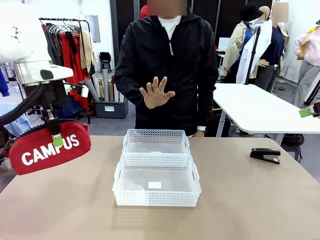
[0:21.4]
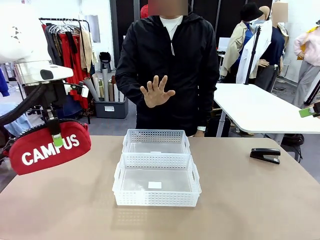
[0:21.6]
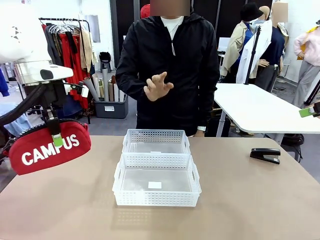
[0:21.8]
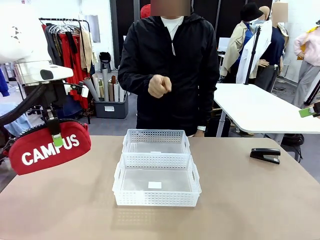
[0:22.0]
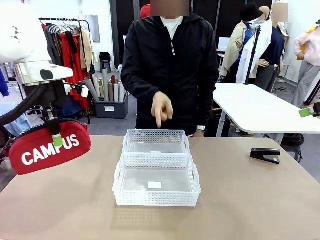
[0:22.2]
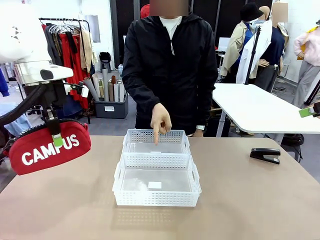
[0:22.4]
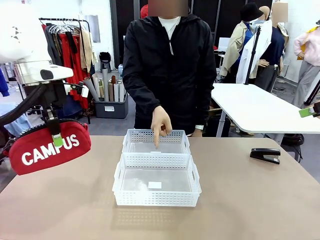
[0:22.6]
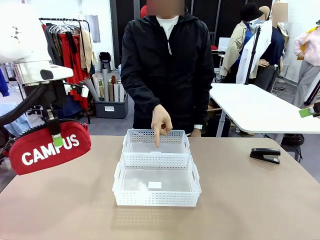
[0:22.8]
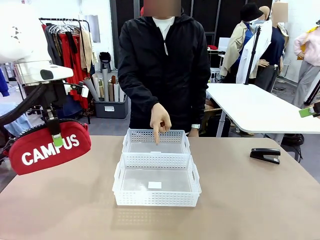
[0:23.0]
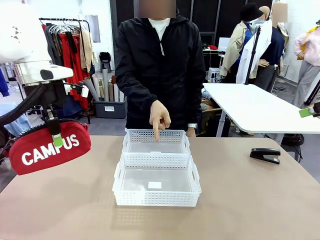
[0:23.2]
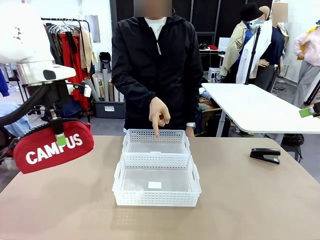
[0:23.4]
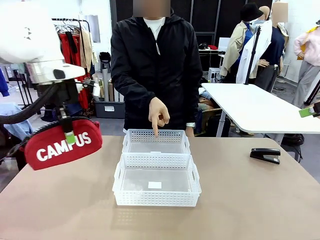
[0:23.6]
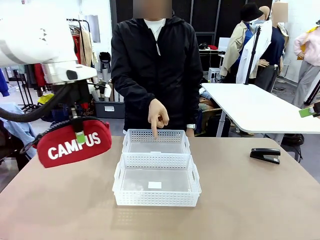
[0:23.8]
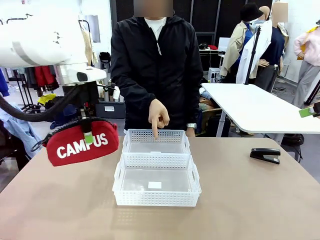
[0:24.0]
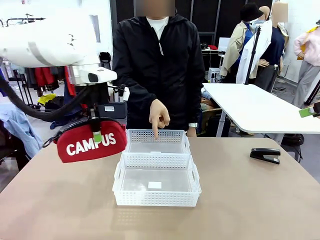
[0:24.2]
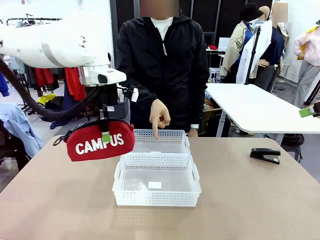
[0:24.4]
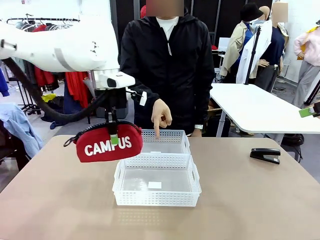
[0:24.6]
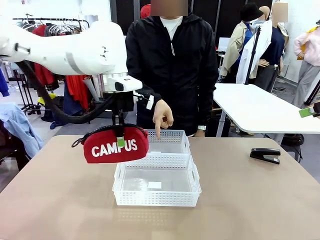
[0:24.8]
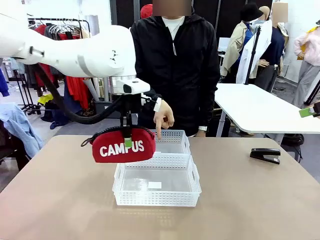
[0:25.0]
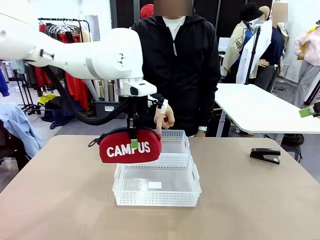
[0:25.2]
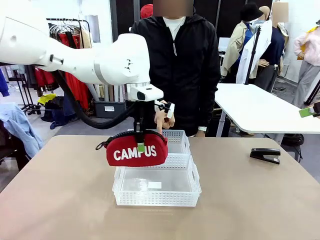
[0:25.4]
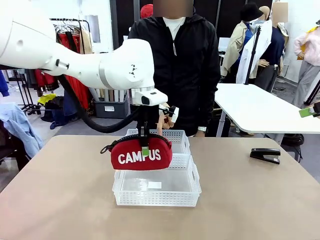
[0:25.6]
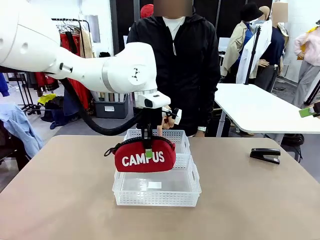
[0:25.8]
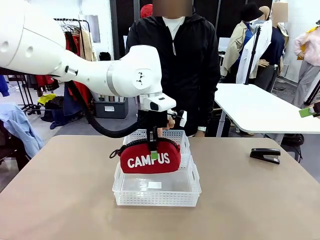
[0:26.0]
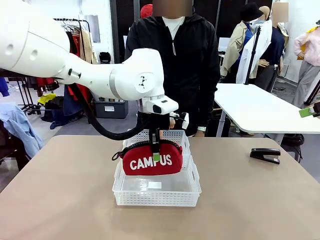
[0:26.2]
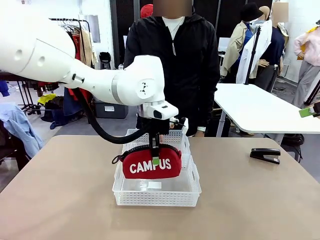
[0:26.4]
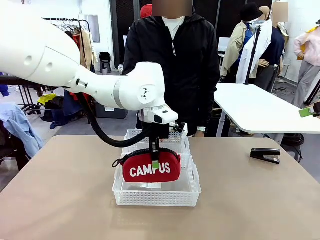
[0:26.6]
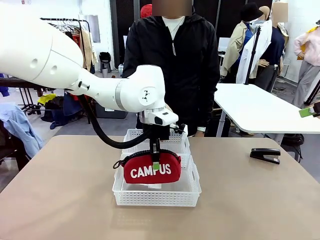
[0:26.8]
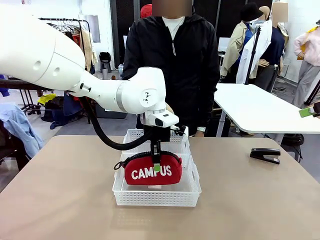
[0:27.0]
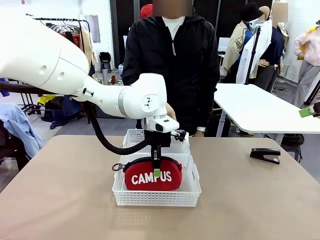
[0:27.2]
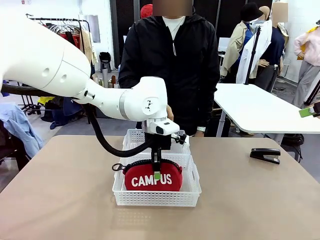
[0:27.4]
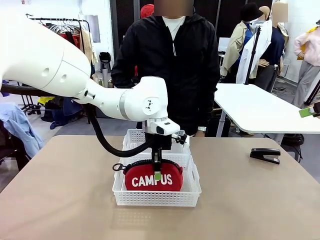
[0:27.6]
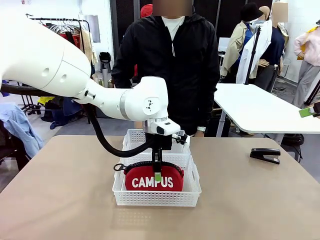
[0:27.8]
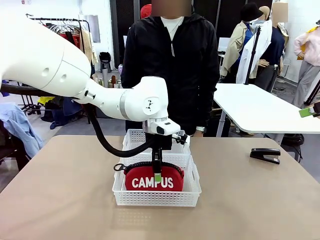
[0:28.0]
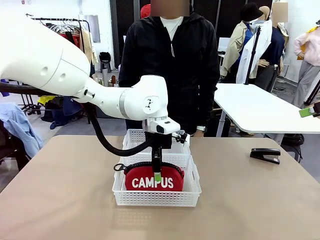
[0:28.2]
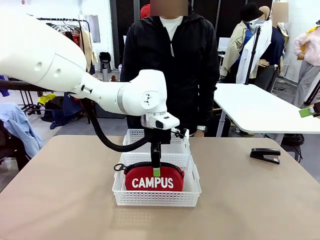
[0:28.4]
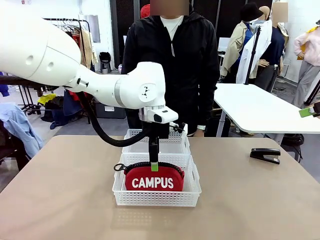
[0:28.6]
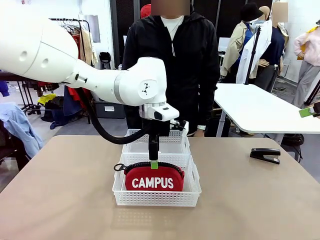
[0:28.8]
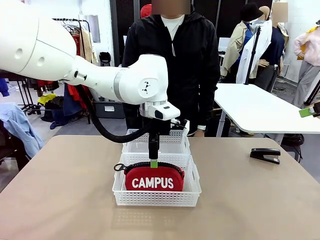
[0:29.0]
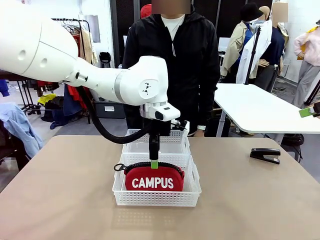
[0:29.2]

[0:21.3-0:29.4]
Task: Distribute items into two baskets.
Robot: Place the picked Pencil pouch into the Organizing basket as instructed by the person.
Person: Instructs the robot to place the pencil case into the opposite basket.

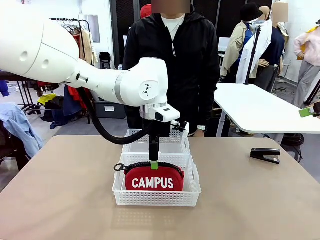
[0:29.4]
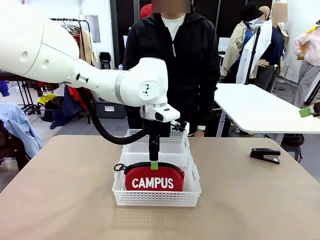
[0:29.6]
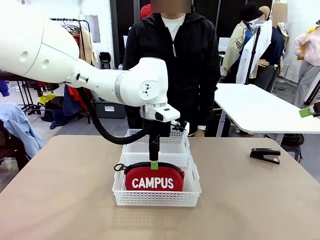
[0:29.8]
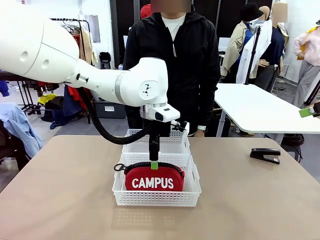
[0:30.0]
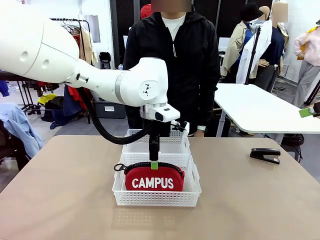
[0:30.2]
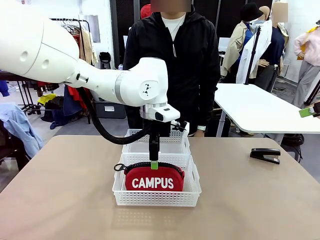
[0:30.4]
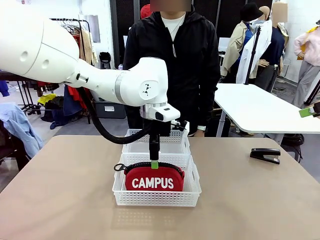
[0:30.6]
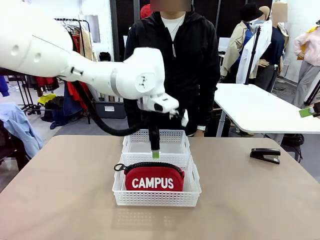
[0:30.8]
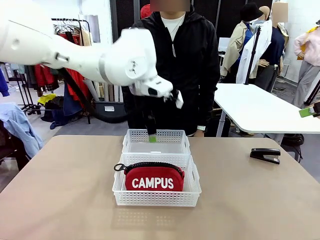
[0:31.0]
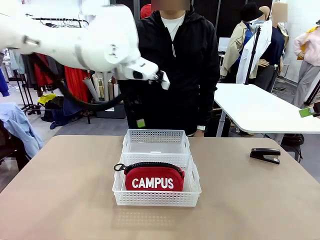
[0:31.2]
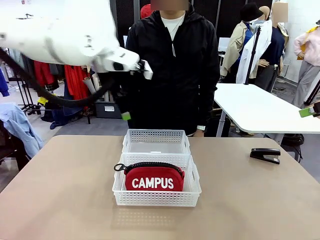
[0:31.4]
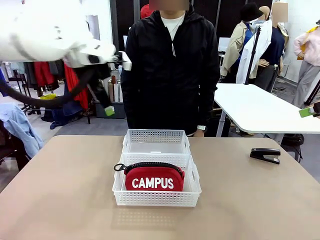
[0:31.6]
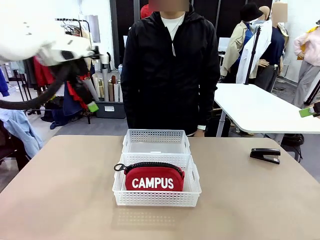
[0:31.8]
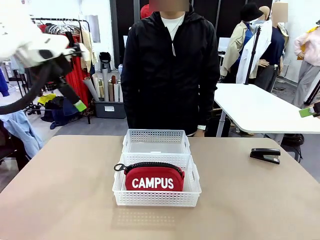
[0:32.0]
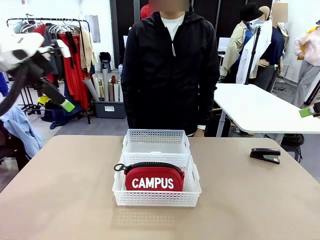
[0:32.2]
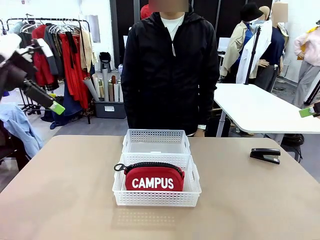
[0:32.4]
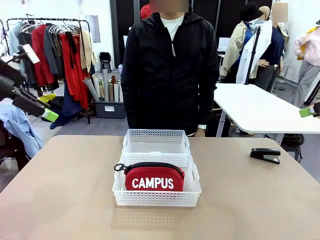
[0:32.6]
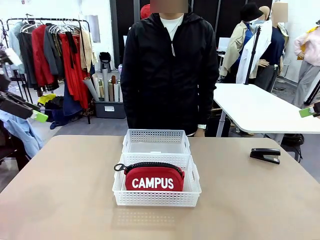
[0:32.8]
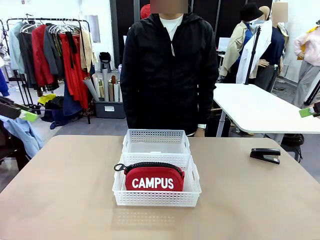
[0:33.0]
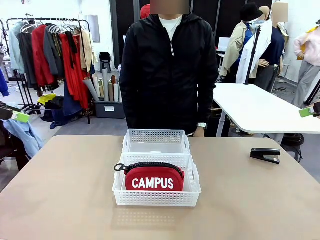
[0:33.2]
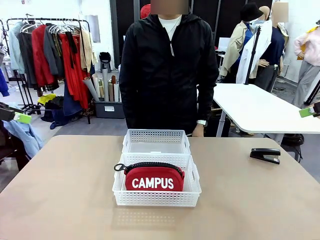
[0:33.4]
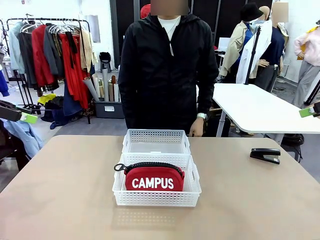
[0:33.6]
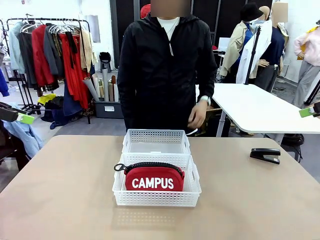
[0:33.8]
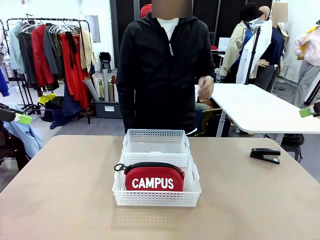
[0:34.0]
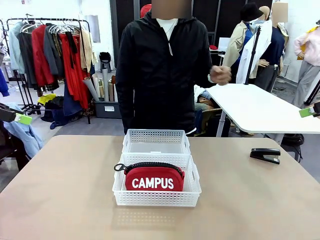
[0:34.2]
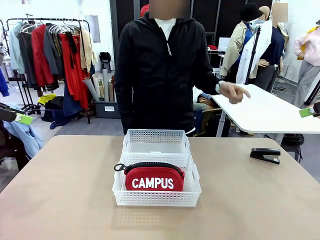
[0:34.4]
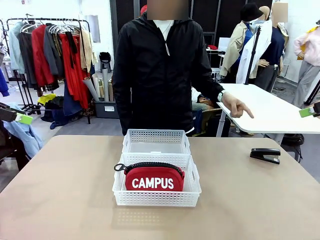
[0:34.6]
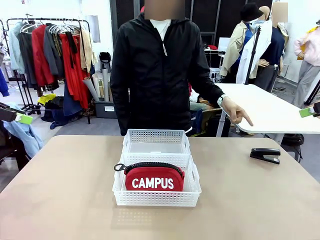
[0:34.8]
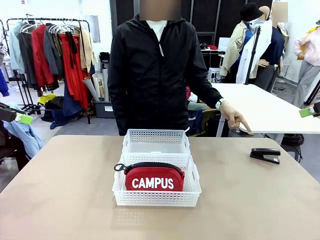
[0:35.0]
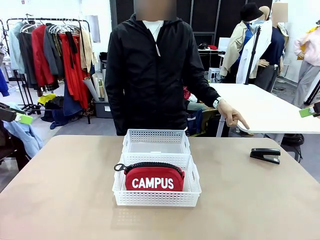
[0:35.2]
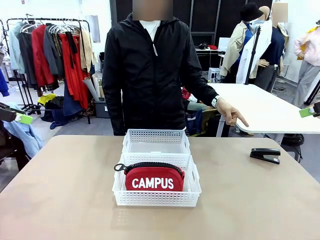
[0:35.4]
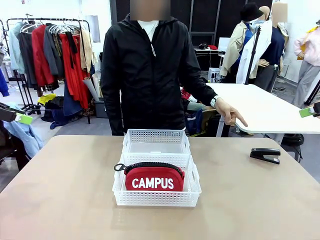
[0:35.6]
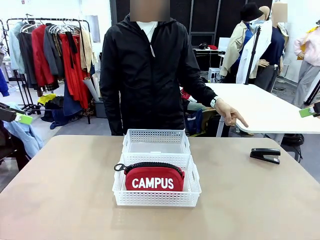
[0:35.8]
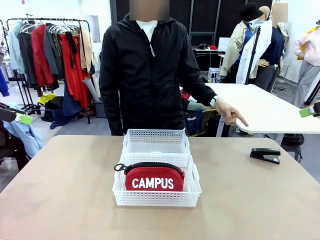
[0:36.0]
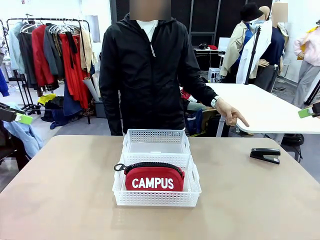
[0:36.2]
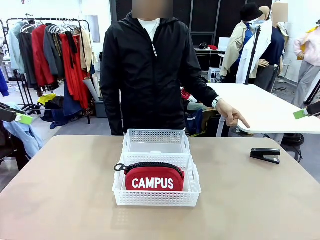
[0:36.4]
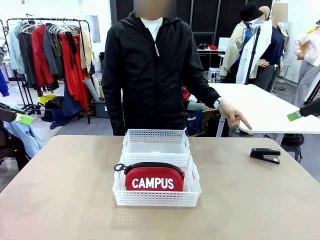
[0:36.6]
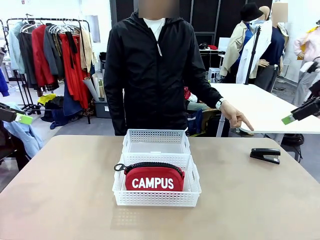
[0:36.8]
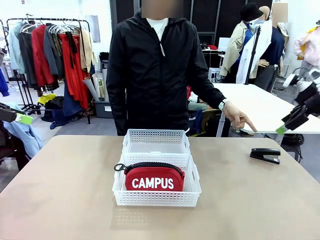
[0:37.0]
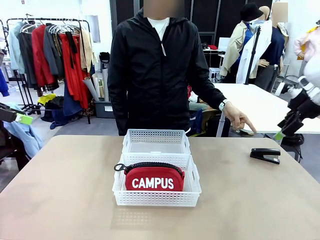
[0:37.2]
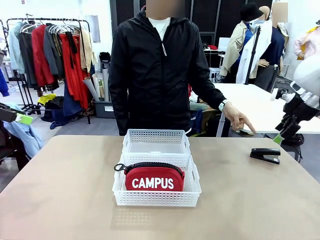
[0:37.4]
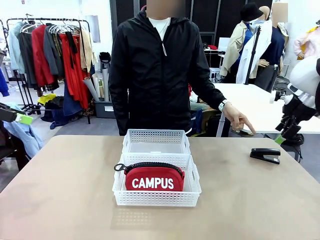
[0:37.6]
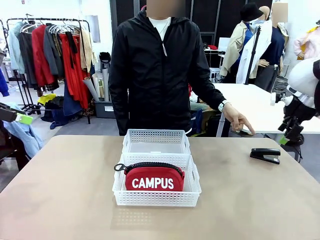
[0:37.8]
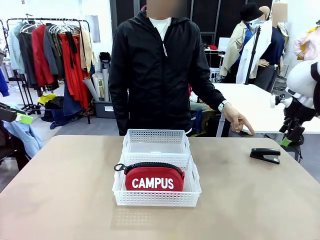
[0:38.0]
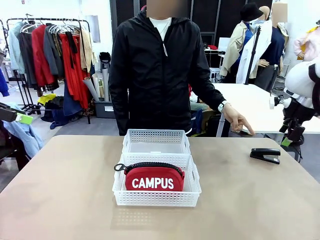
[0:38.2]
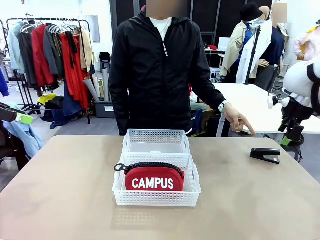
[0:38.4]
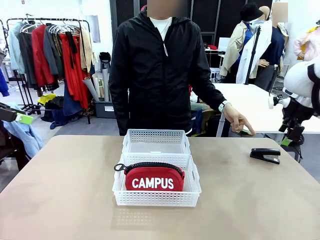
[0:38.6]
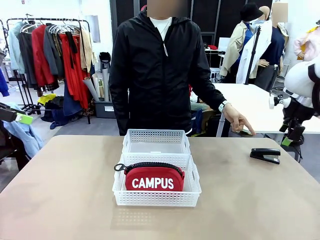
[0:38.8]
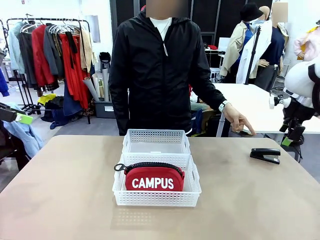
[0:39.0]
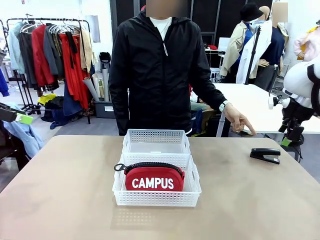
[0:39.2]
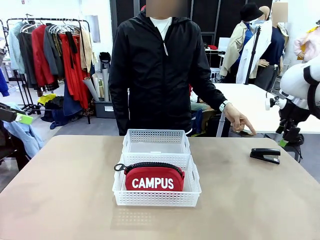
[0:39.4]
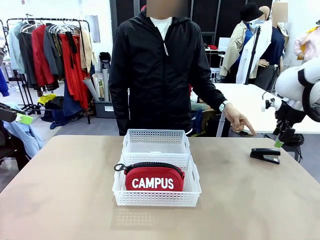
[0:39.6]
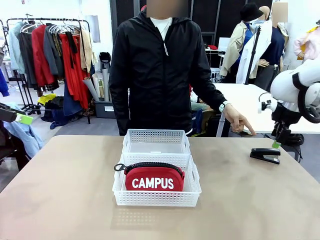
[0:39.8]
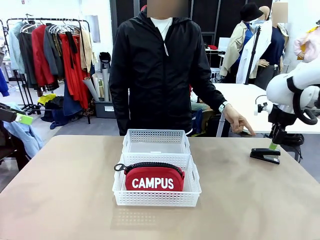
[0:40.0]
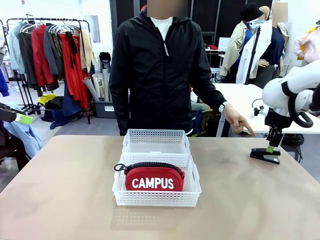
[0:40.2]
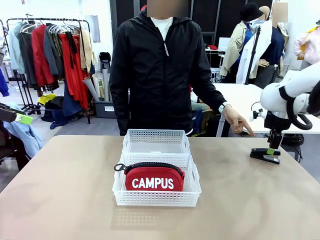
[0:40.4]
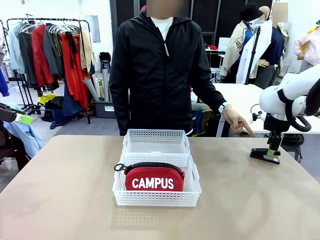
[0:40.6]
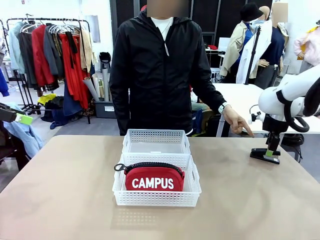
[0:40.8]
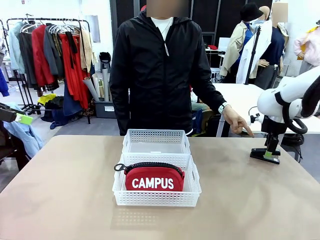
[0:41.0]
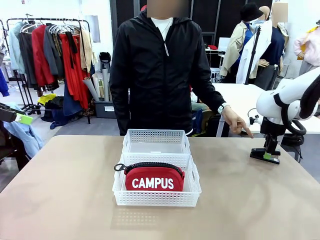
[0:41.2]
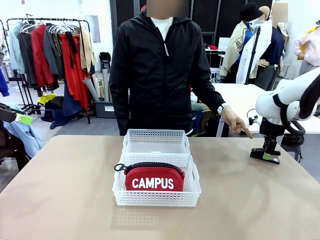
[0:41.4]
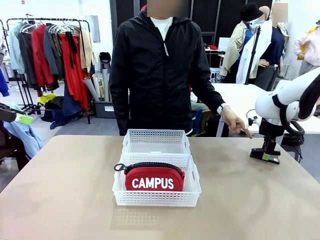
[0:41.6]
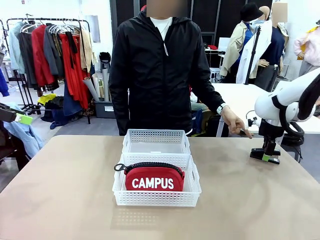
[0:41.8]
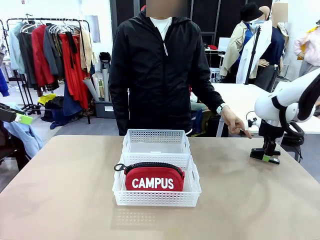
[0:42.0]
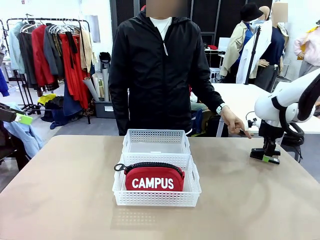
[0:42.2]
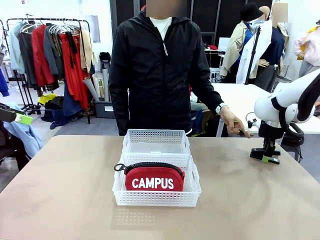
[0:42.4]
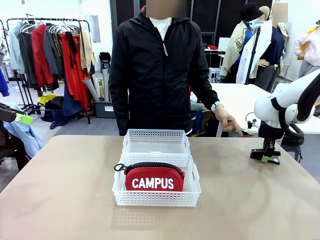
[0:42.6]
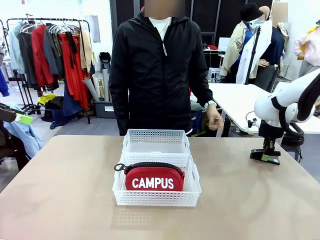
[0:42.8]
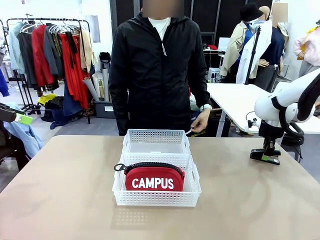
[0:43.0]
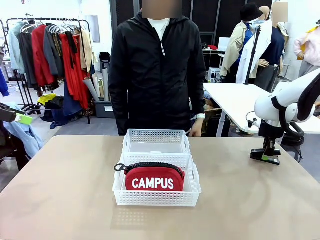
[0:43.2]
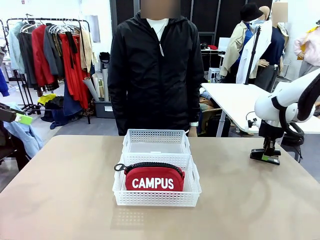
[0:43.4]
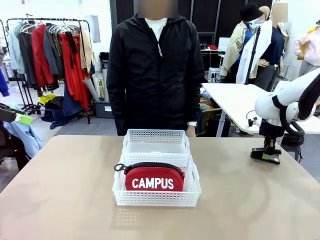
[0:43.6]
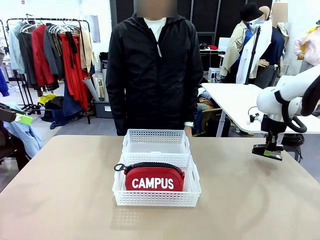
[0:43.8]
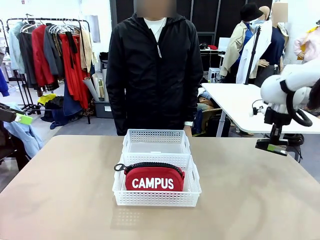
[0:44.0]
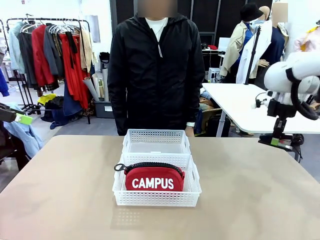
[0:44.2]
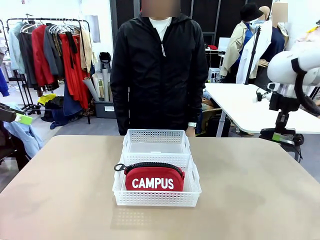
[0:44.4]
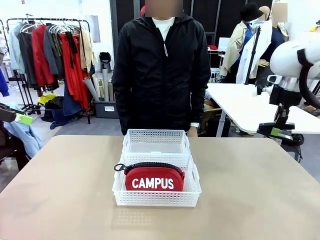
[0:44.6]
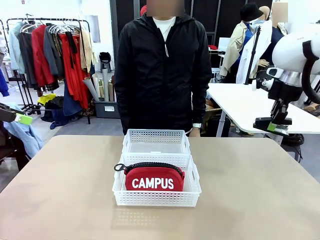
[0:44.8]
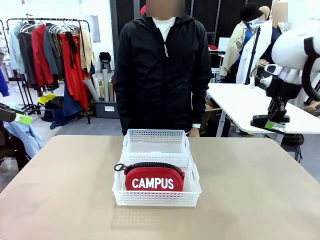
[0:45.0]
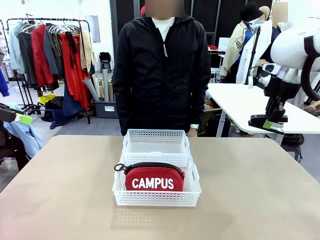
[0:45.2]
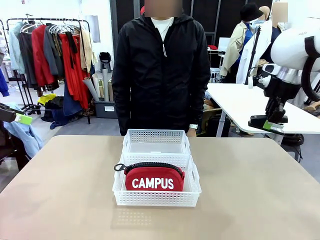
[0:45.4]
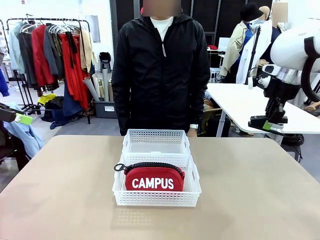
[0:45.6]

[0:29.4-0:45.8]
Robot: Pick up the Stapler that the person points to.
Person: Points to the stapler.
